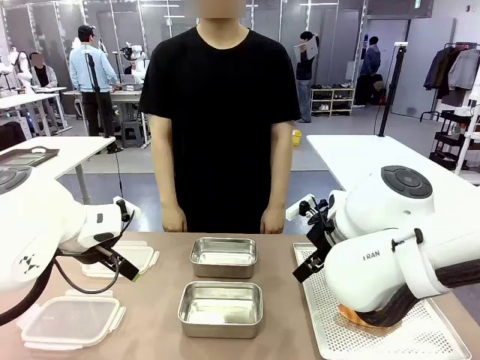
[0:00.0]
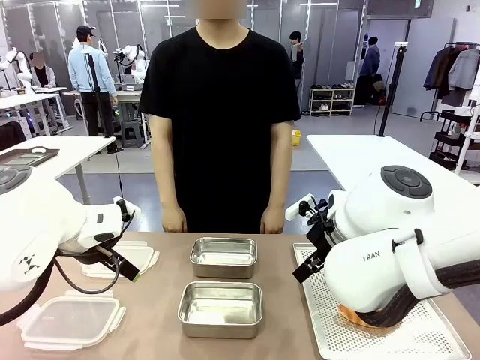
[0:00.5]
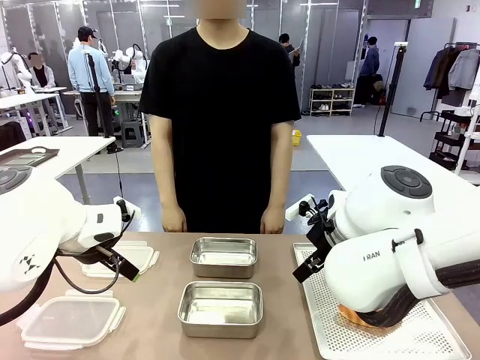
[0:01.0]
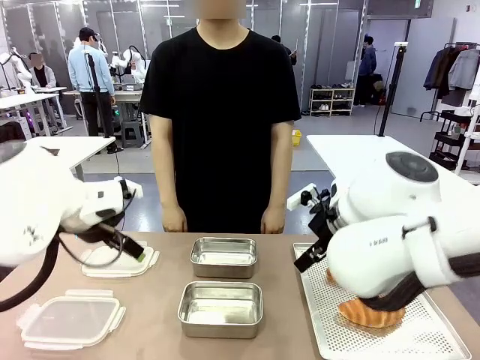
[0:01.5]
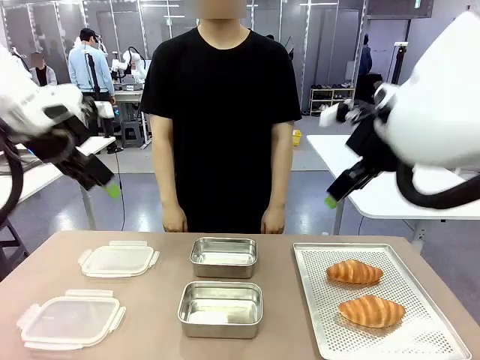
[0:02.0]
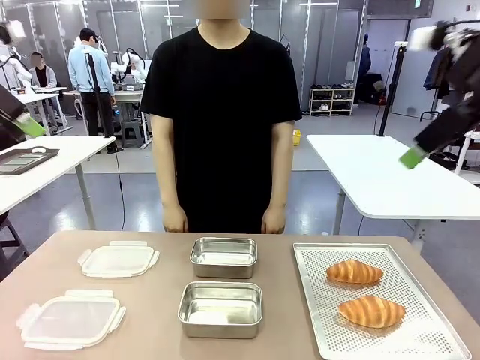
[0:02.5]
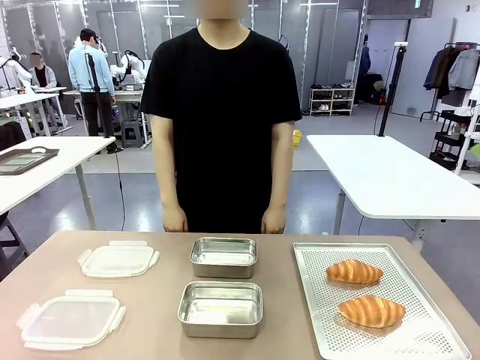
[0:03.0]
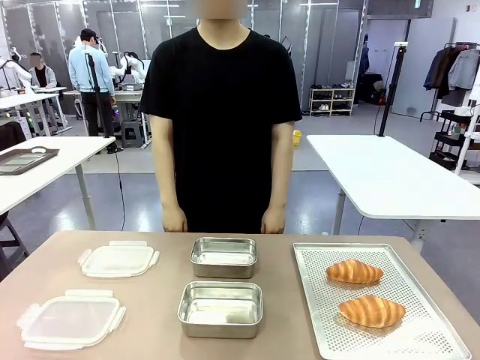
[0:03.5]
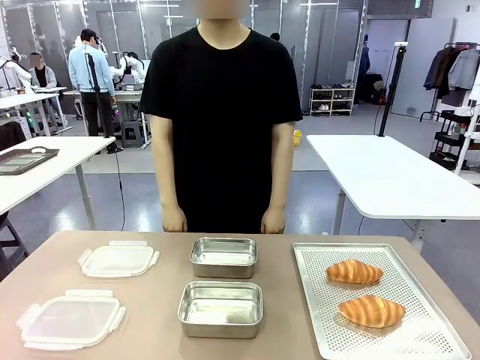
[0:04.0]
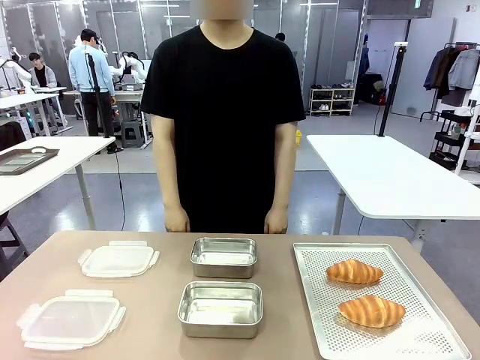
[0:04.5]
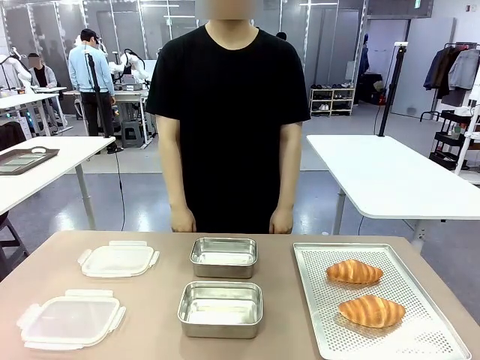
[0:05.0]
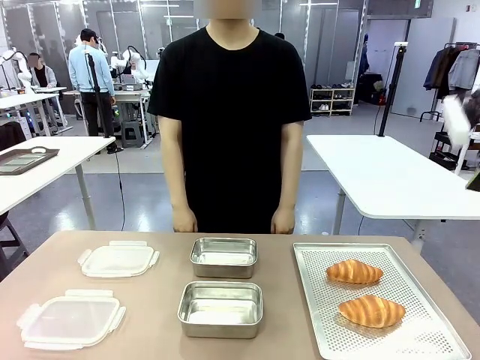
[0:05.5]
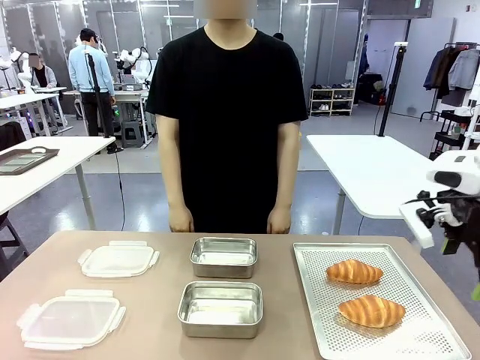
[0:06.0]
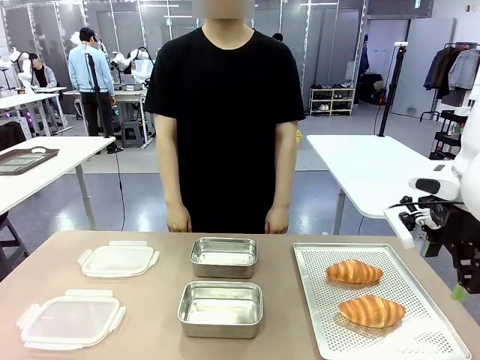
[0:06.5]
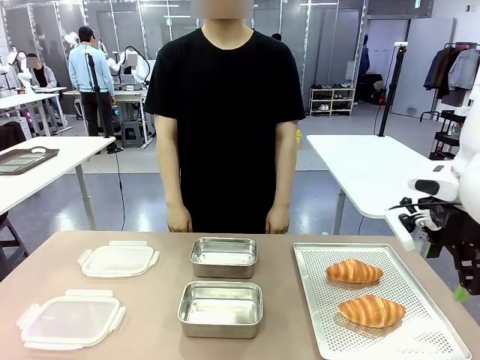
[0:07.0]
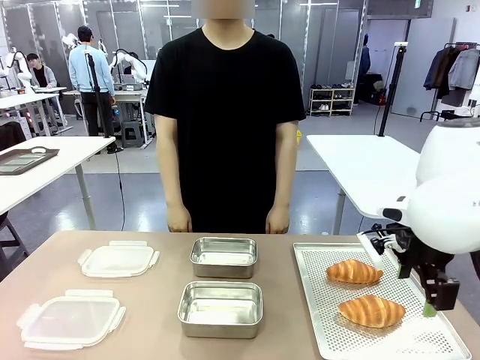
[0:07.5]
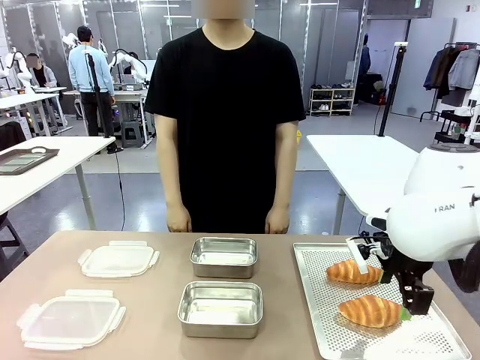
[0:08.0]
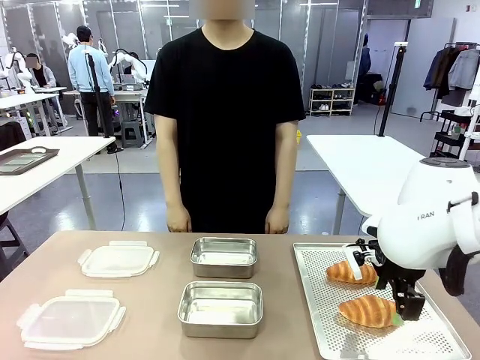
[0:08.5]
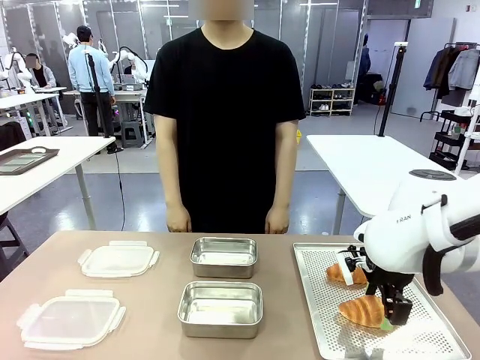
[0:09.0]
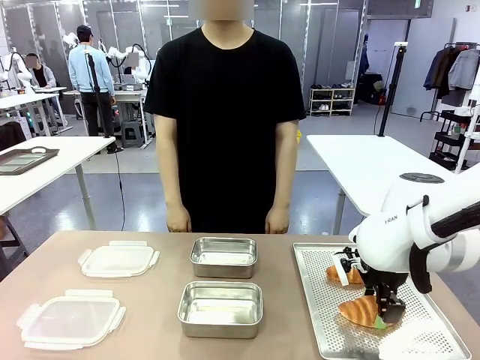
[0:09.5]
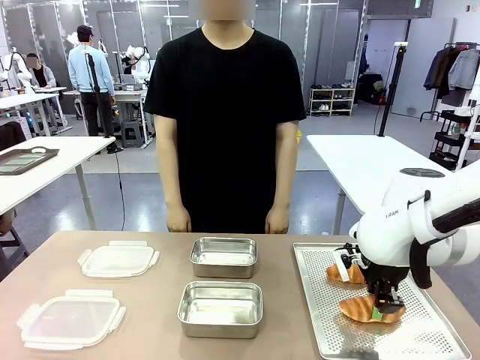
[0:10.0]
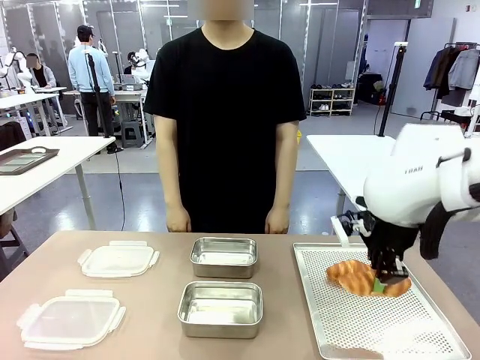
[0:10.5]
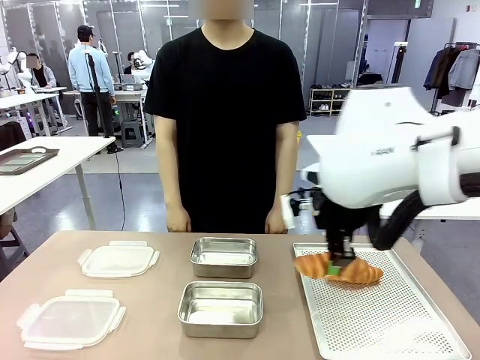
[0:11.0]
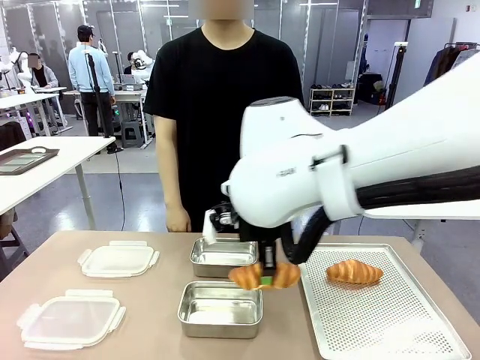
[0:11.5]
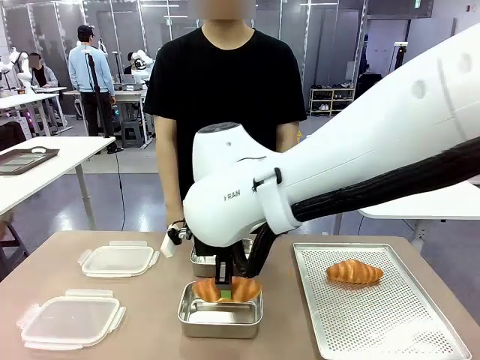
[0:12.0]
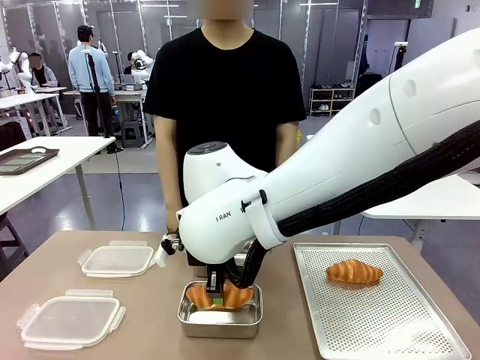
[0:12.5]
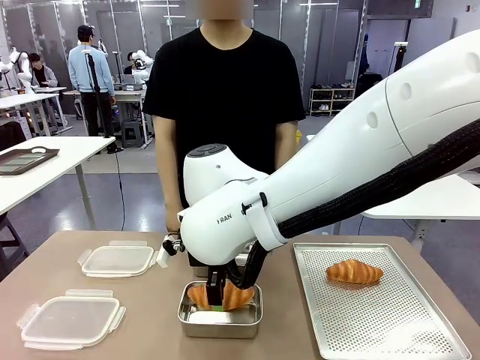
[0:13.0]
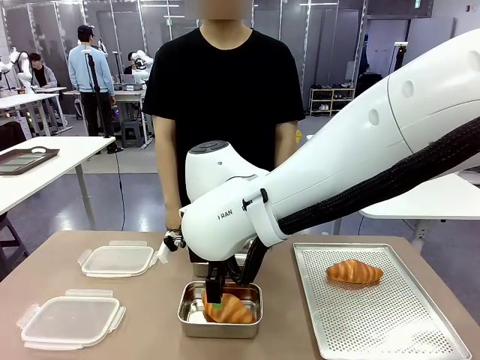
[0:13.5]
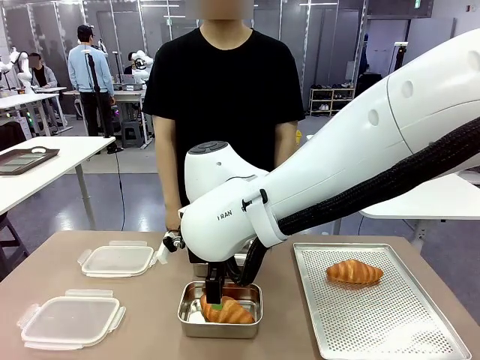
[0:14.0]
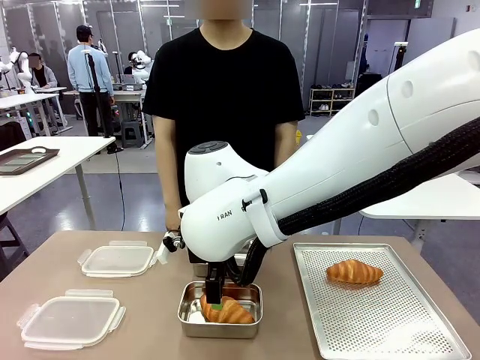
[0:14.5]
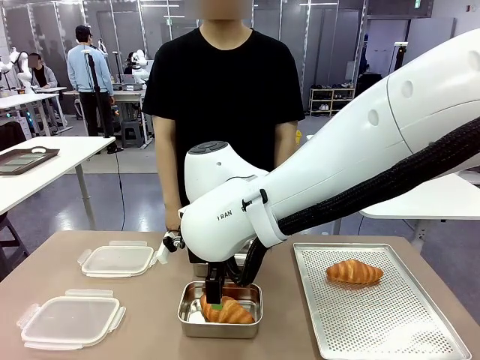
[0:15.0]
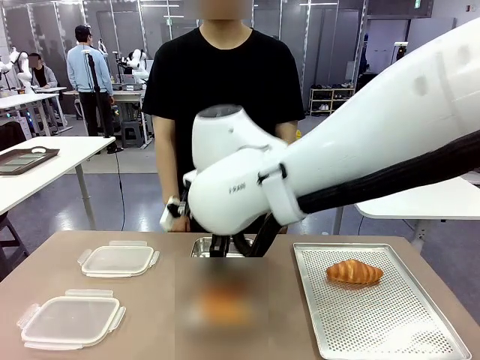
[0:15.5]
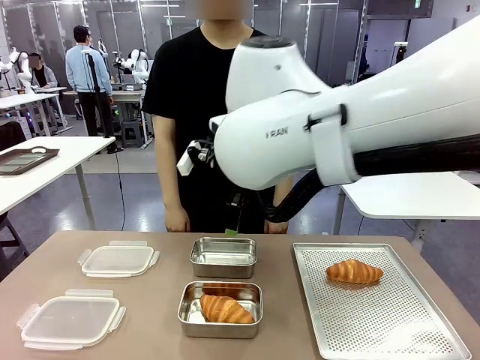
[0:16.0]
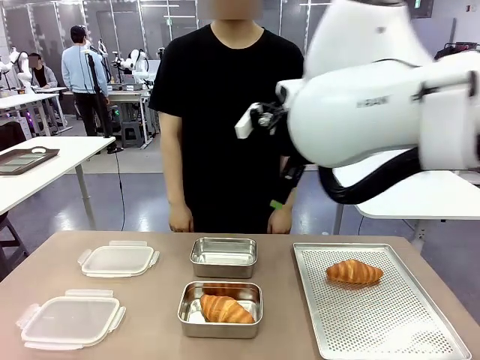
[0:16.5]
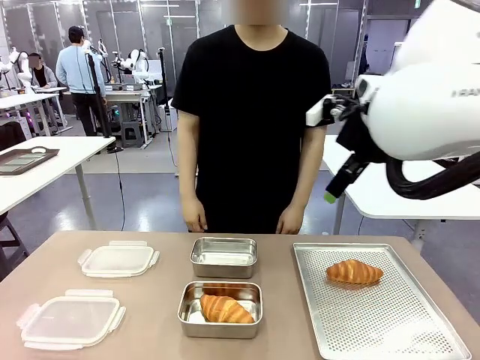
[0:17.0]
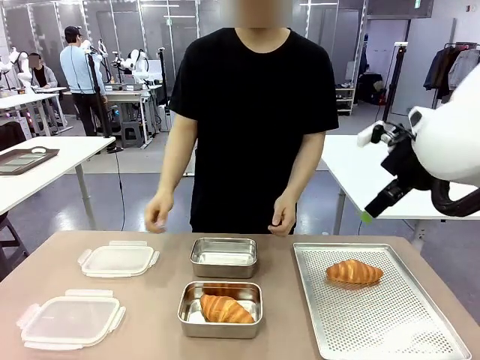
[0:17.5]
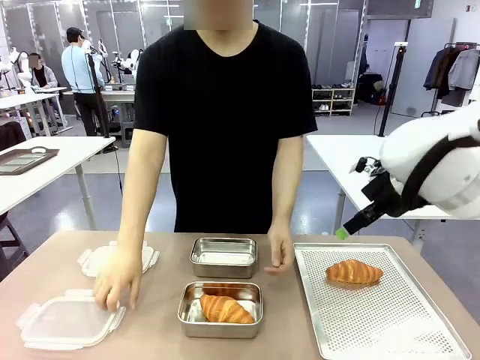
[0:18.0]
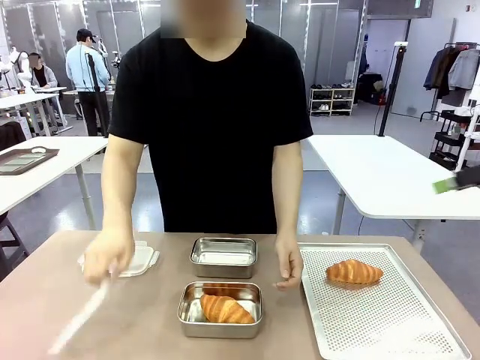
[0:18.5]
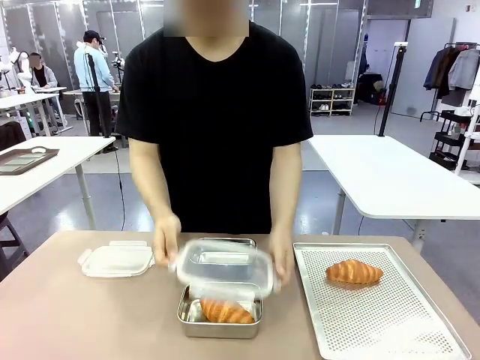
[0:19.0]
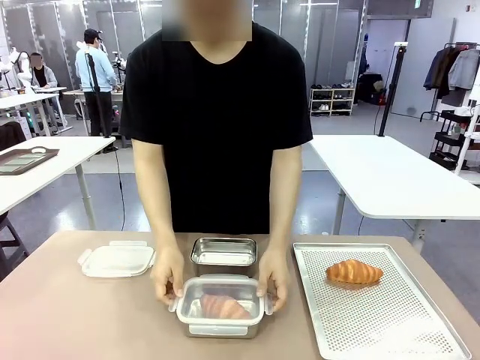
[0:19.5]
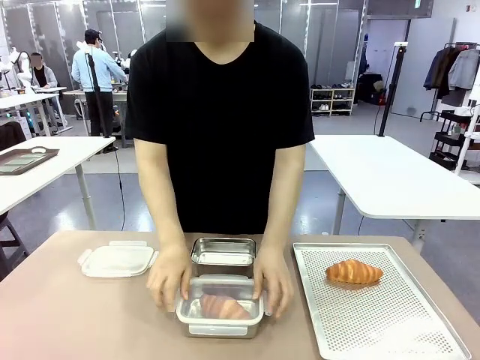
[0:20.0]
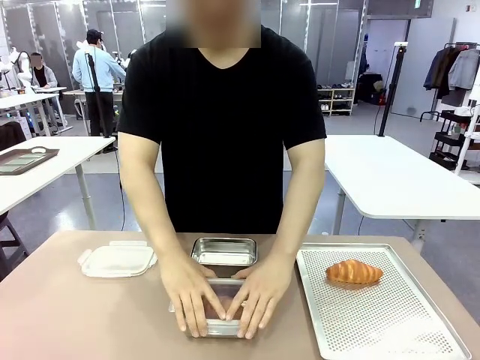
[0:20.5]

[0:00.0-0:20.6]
Task: Place the bread into the airtight container.
Robot: Pick up a Butter Roll and place it into an empty Airtight Container.
